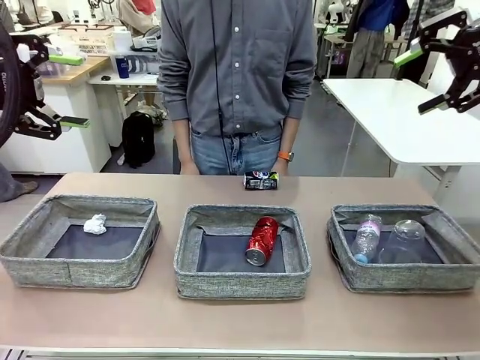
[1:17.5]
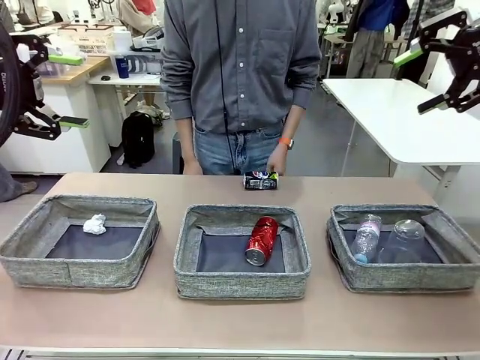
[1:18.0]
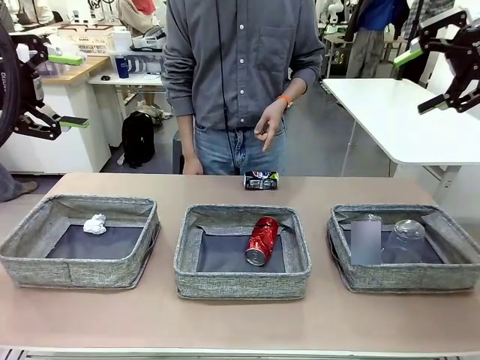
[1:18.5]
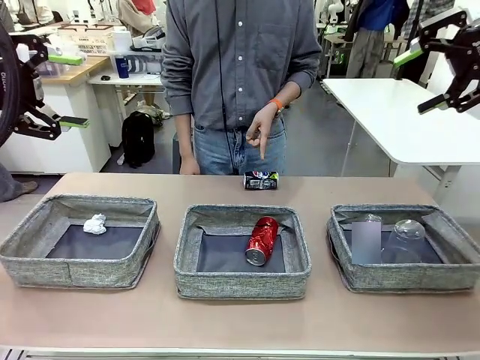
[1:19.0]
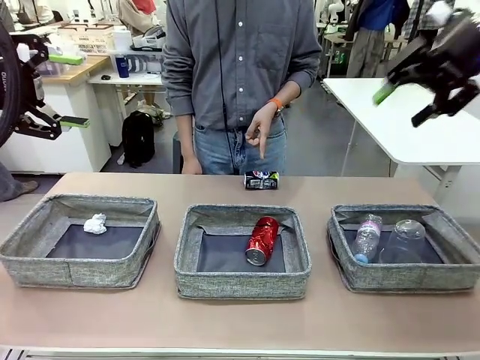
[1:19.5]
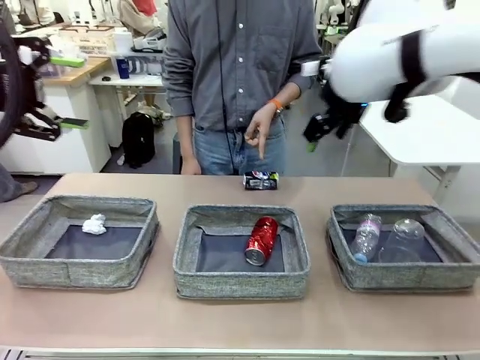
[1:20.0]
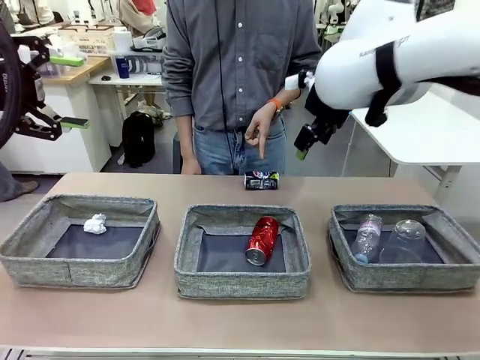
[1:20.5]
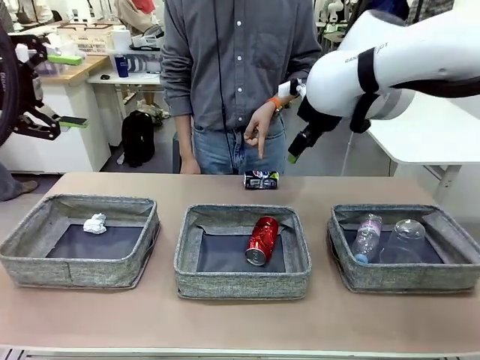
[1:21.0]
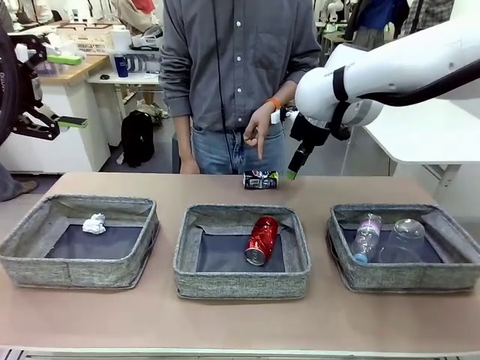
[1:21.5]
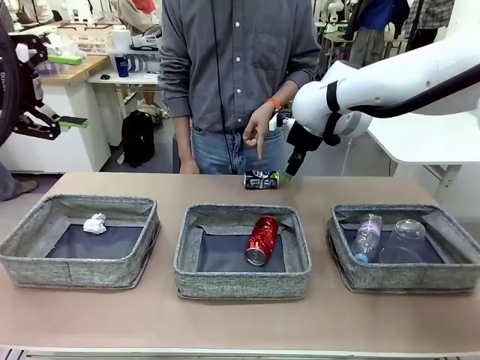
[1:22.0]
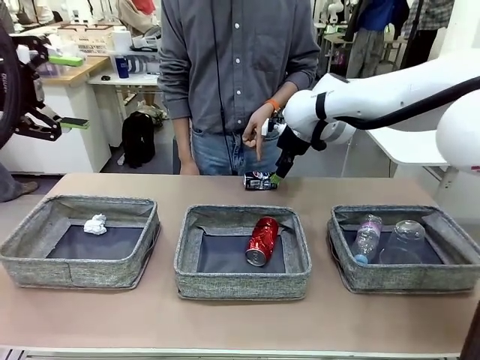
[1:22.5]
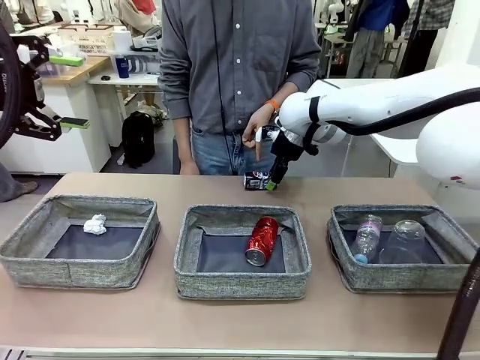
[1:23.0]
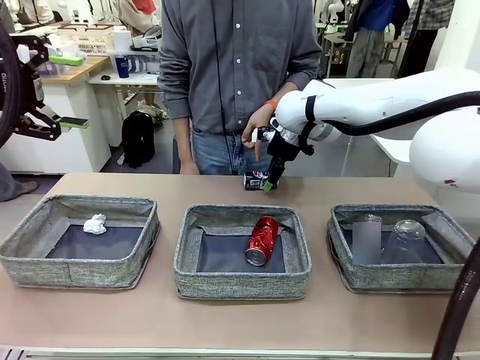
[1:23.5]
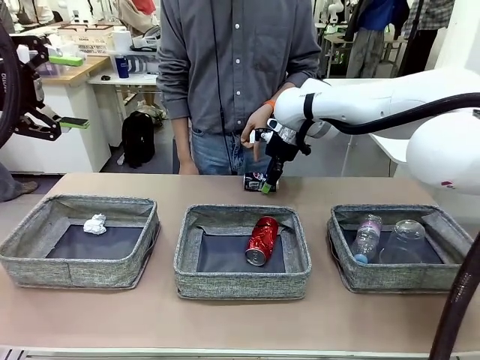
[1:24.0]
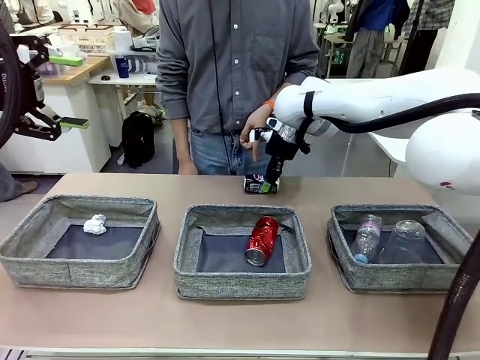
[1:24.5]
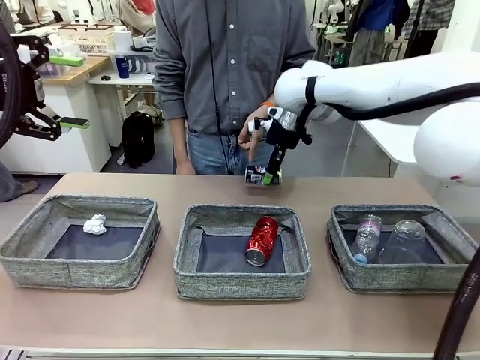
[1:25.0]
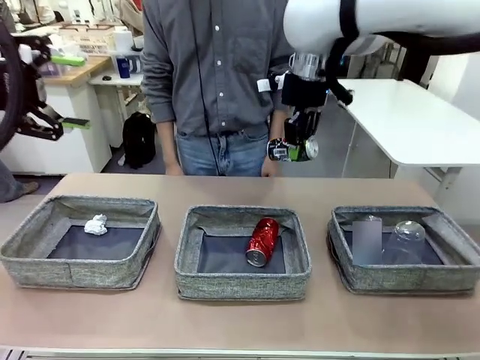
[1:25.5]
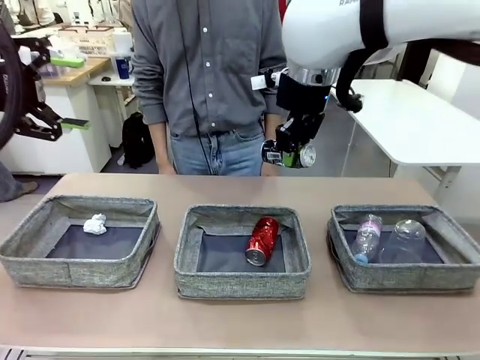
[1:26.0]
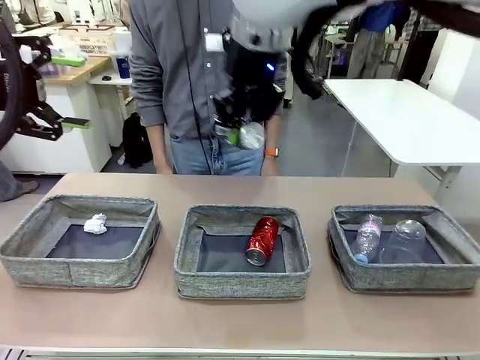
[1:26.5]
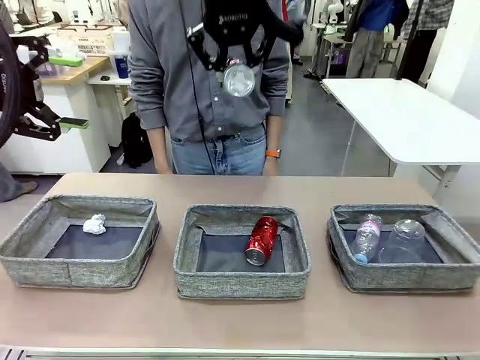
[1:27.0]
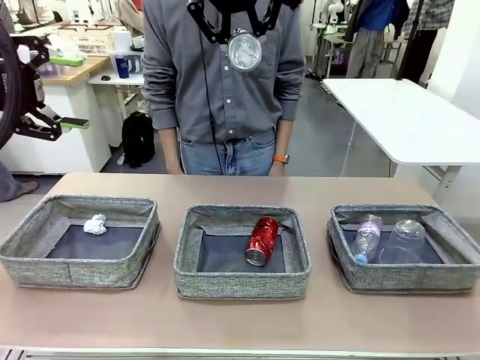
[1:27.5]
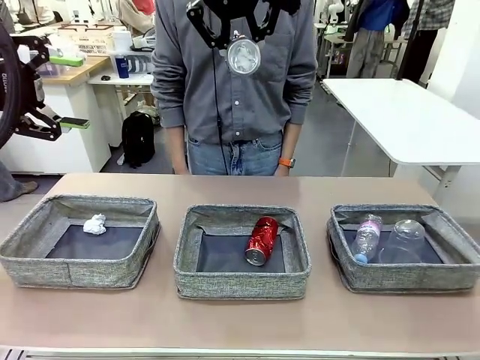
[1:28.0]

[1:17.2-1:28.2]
Task: Sort the waste into the appropriate baskets.
Robot: Pick up the waste item pointed out by the person.
Person: Points to one piece of trash on the table.

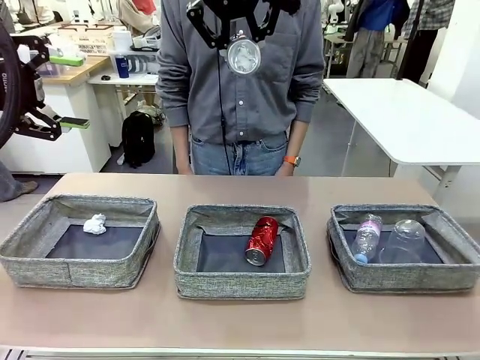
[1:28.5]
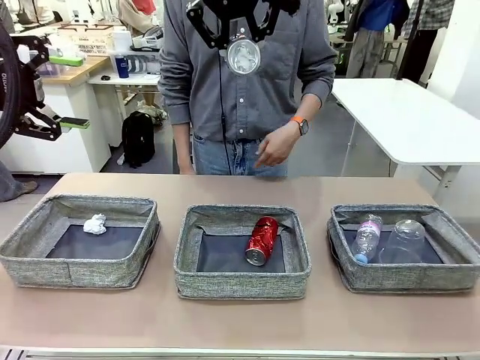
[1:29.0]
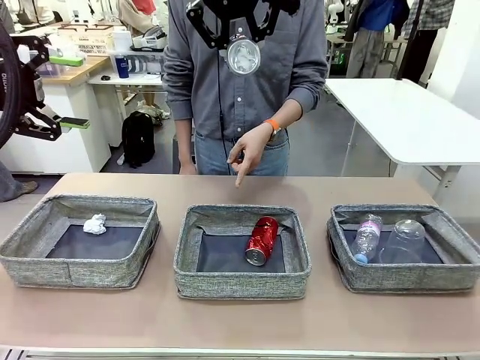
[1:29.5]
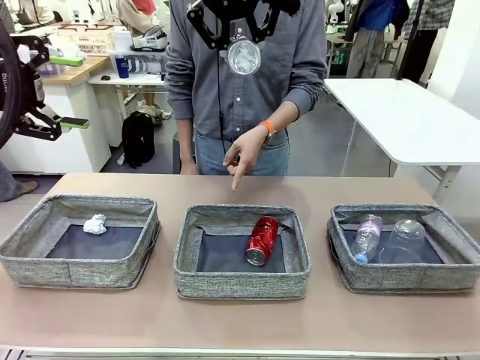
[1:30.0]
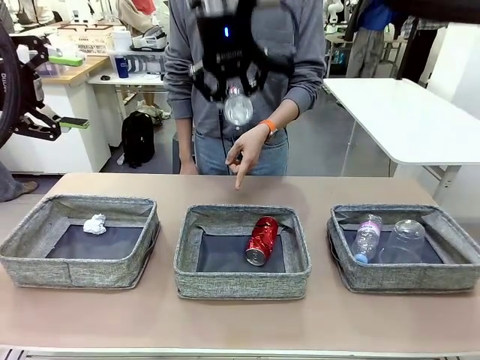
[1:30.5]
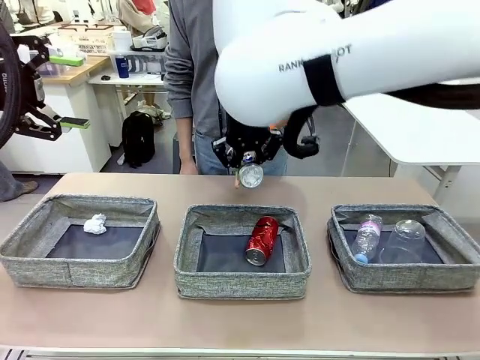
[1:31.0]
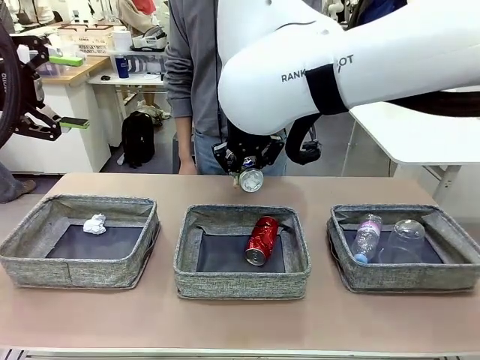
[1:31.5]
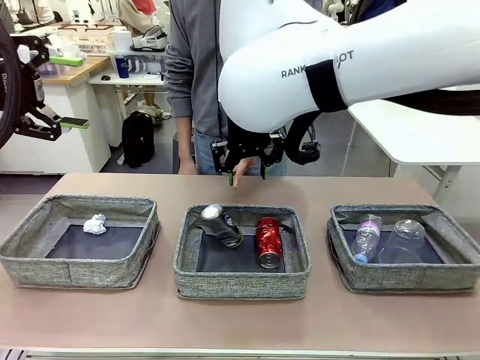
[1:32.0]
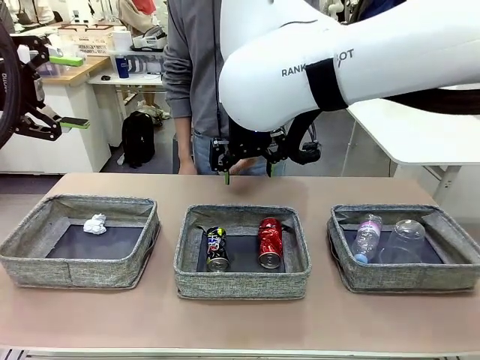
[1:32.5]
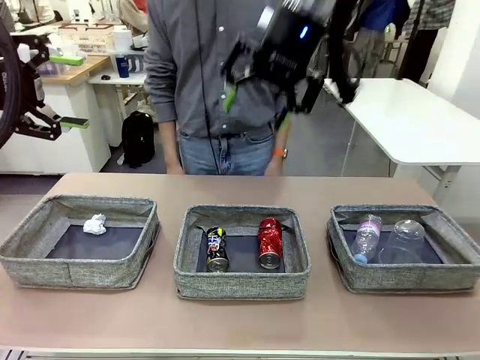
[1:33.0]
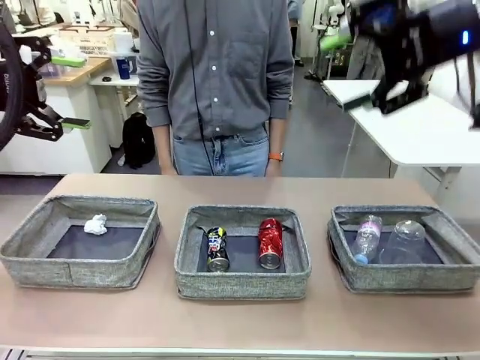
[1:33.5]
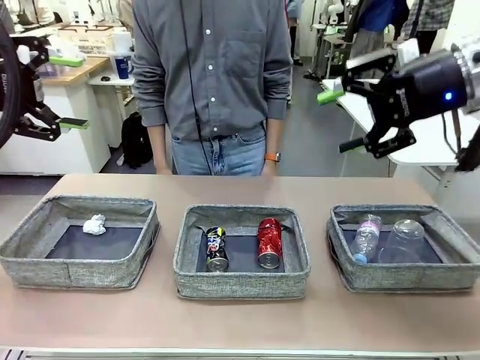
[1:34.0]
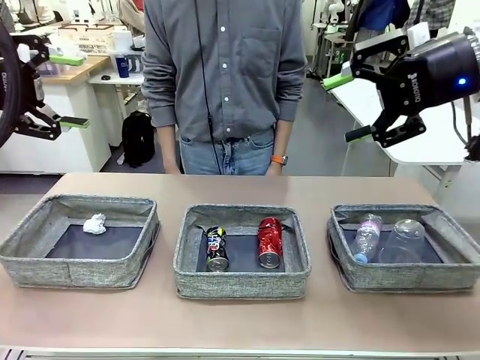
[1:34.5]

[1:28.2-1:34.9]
Robot: Place the picked waste into the Fabric basket indicated by the person.
Person: Instructs the robot to place the picked-up trash into the appropriate organizing basket.

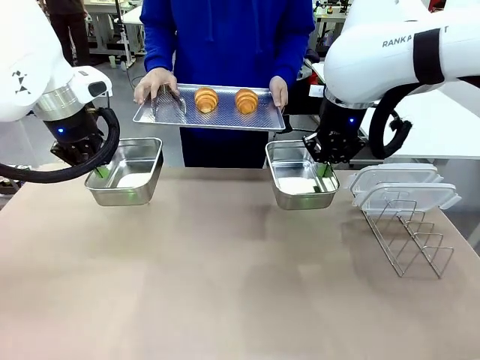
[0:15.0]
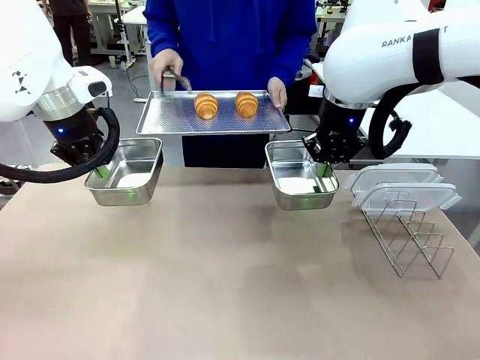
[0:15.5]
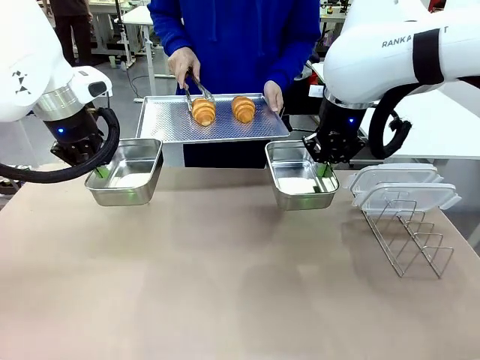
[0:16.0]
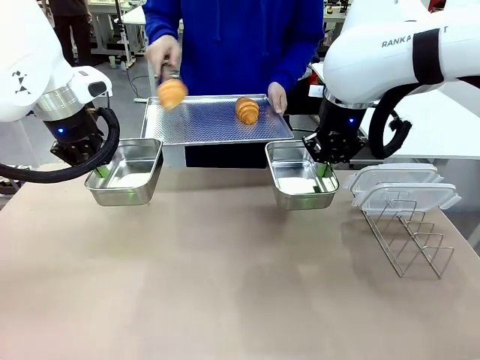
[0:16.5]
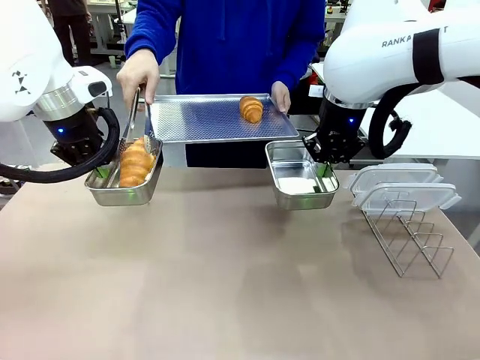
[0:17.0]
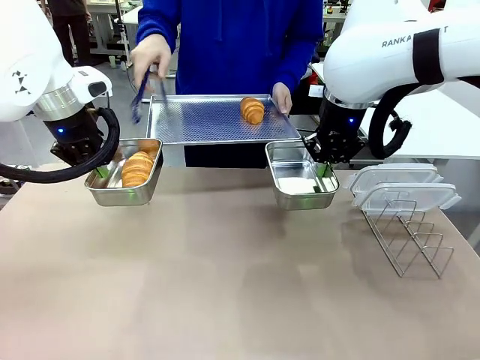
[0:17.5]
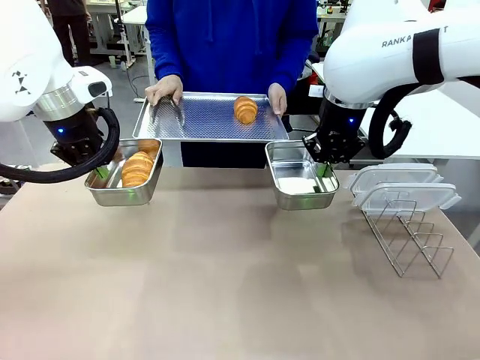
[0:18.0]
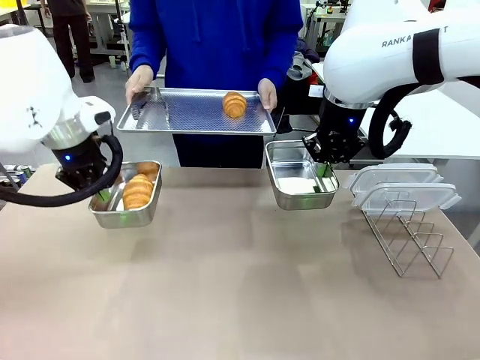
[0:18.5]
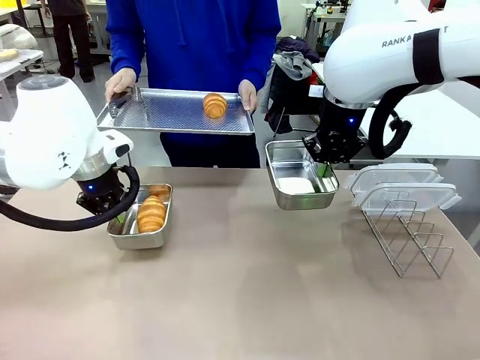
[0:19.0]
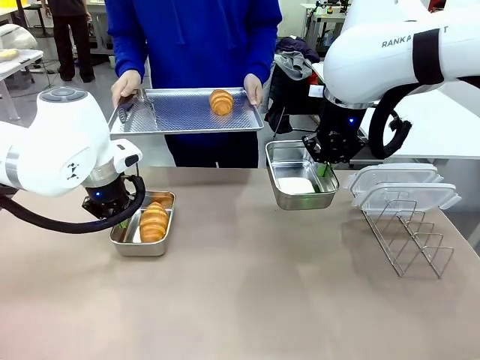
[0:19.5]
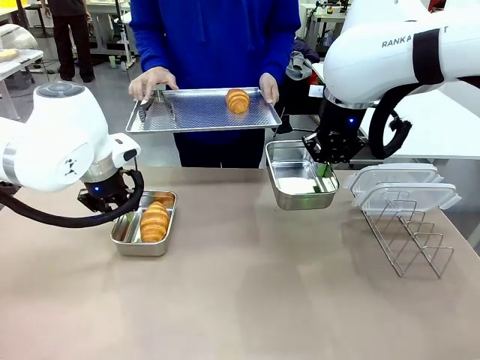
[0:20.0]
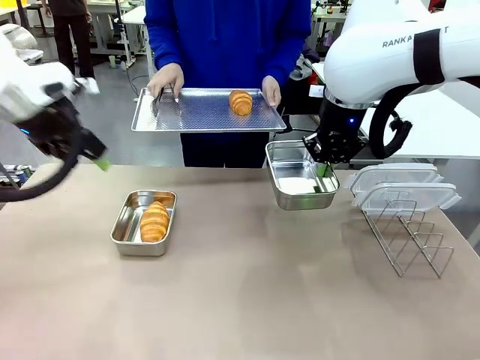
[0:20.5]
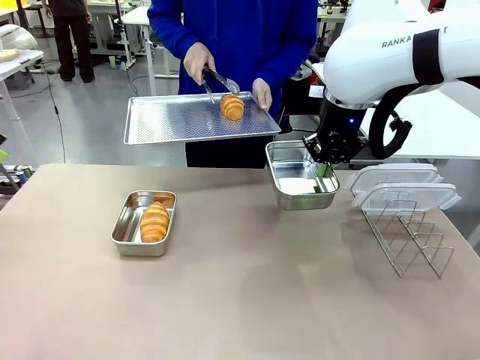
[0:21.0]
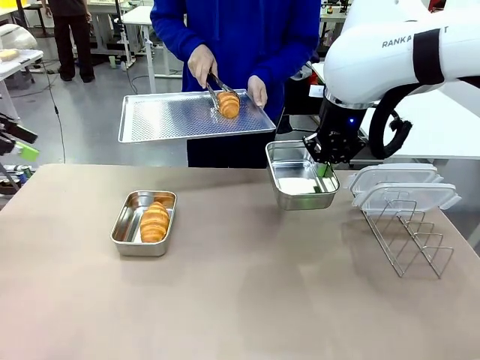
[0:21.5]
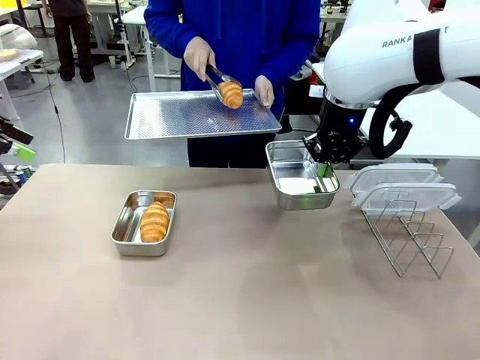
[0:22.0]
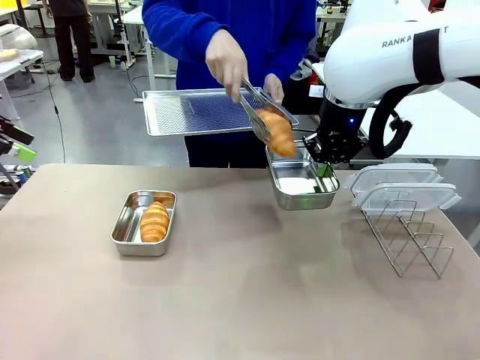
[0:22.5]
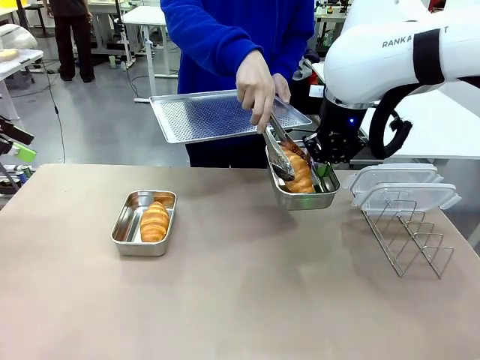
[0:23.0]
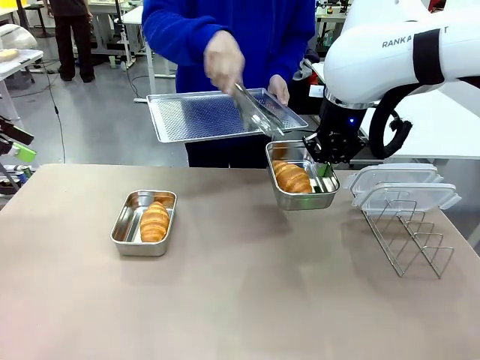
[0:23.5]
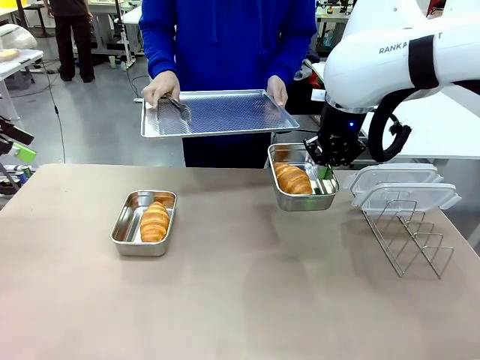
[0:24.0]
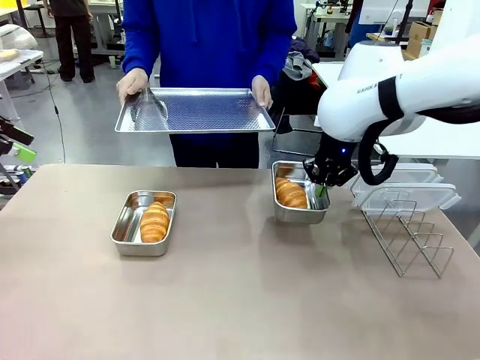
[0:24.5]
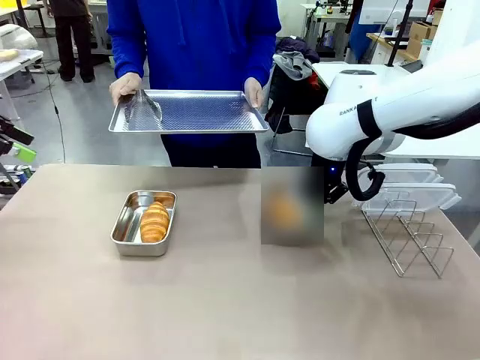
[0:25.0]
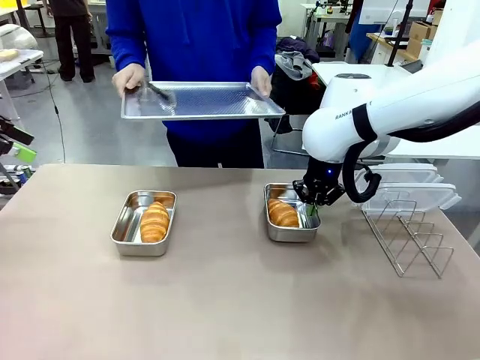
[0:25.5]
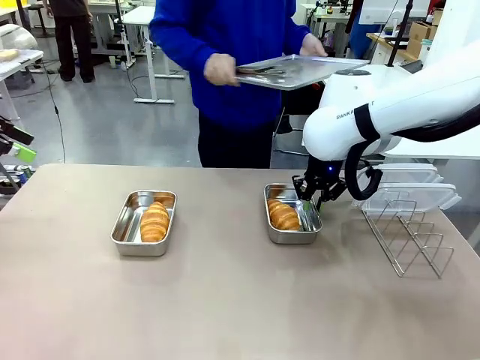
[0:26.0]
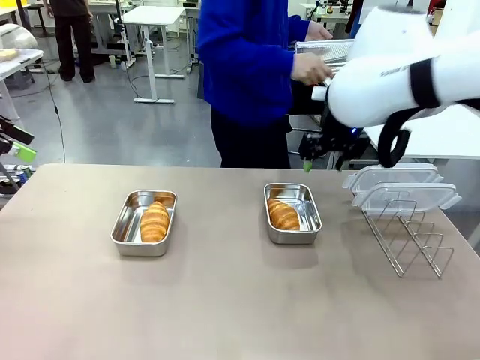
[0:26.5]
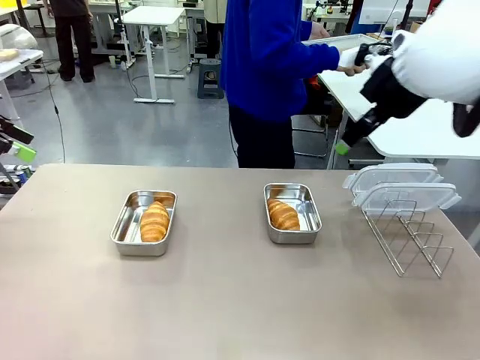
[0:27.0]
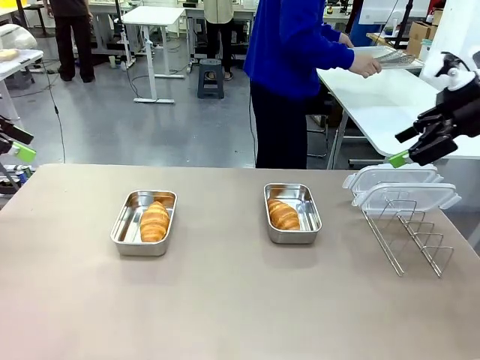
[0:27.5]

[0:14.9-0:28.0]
Task: Place the bread in airtight containers.
Robot: Once an object is inside an Airtight Container , place the container in the center of the table.
Person: Use the Stainless steel tongs to place one object from Baking Sheet into one Airtight Container. Place Baking Sheet on the Human's Table.
